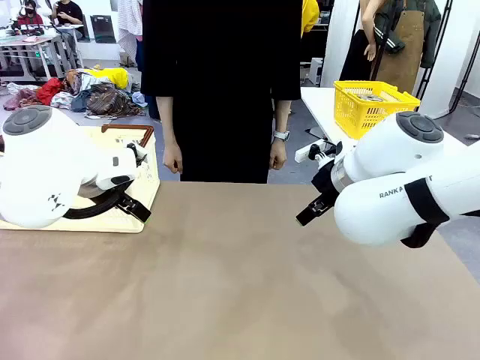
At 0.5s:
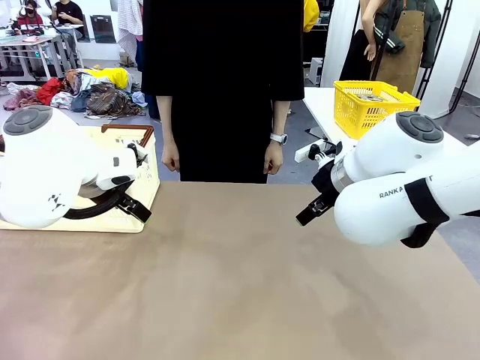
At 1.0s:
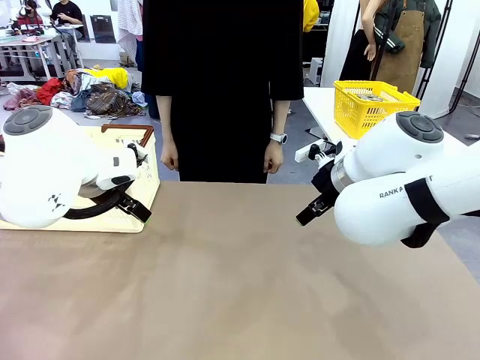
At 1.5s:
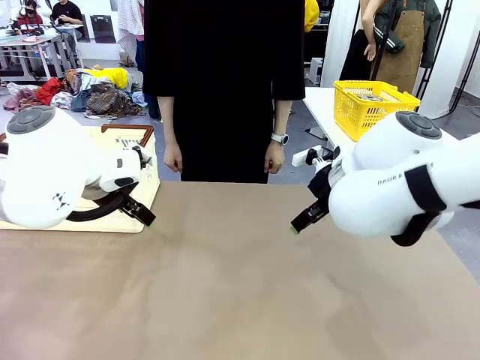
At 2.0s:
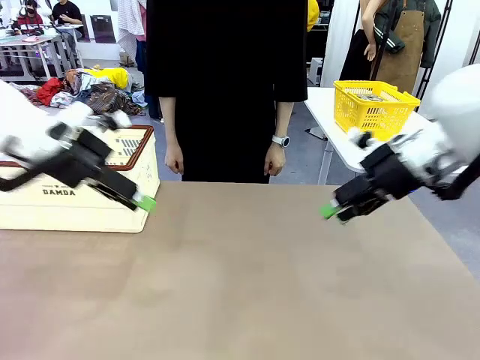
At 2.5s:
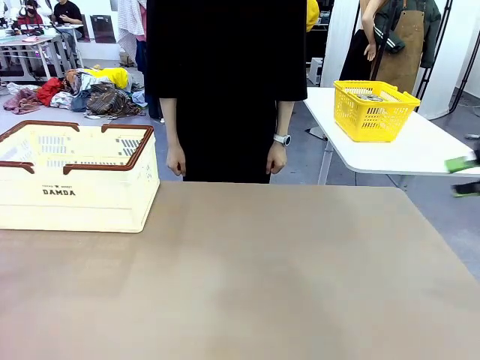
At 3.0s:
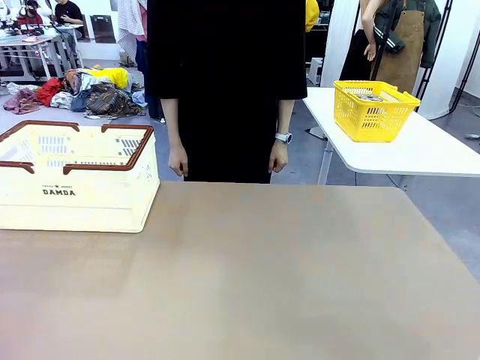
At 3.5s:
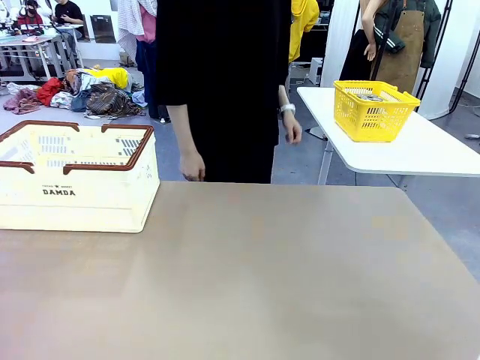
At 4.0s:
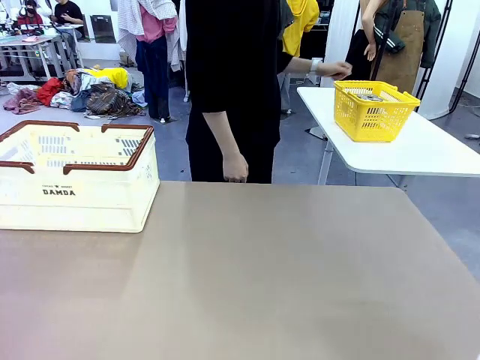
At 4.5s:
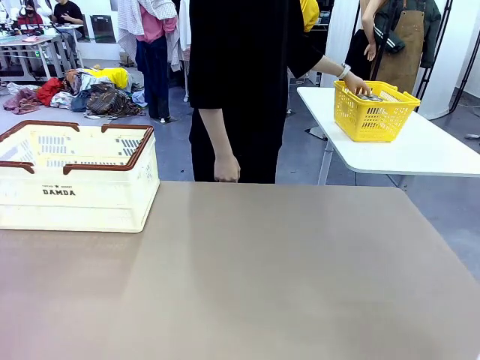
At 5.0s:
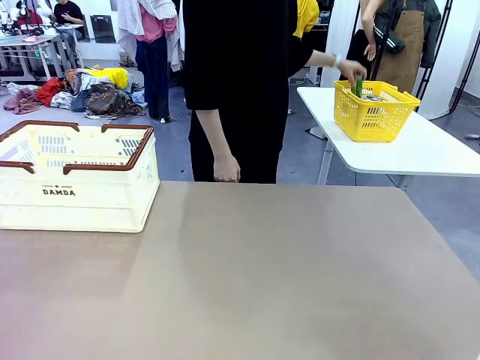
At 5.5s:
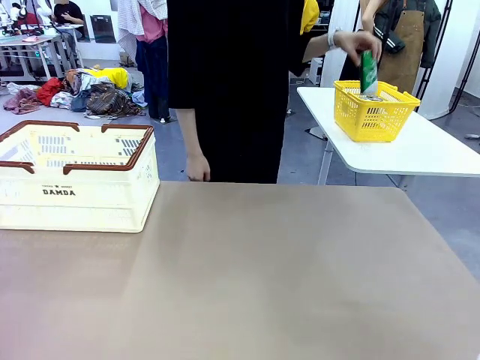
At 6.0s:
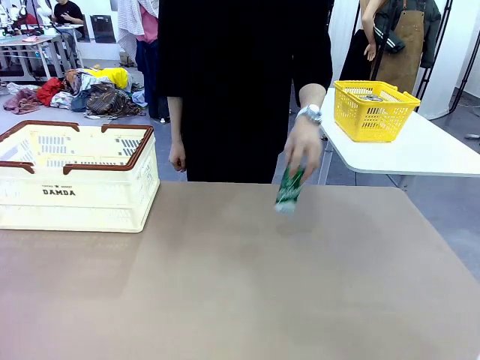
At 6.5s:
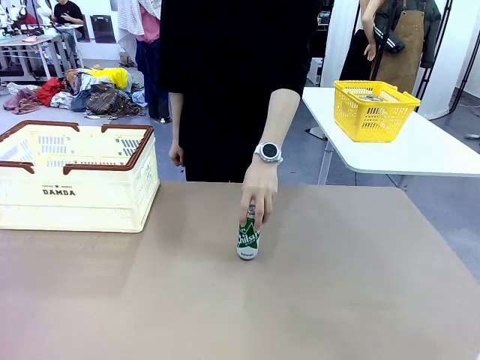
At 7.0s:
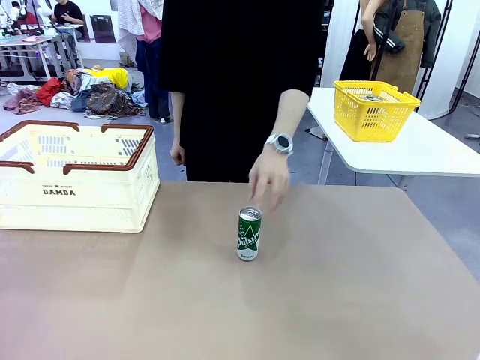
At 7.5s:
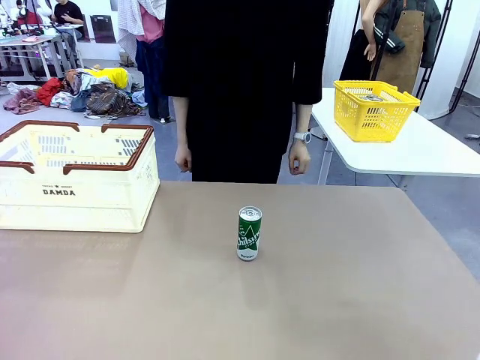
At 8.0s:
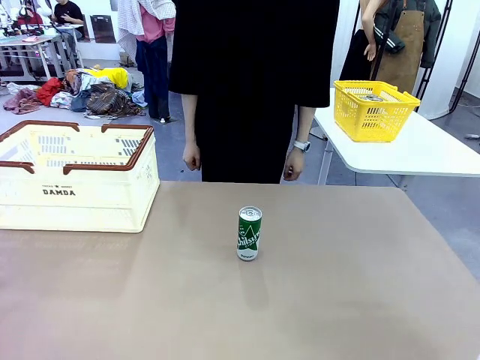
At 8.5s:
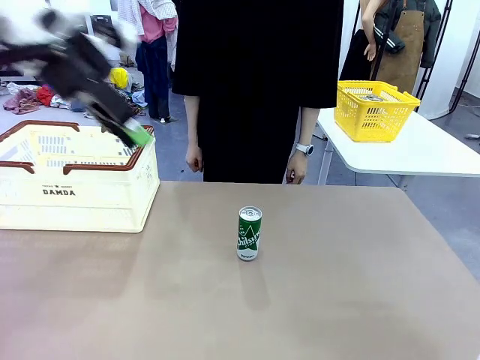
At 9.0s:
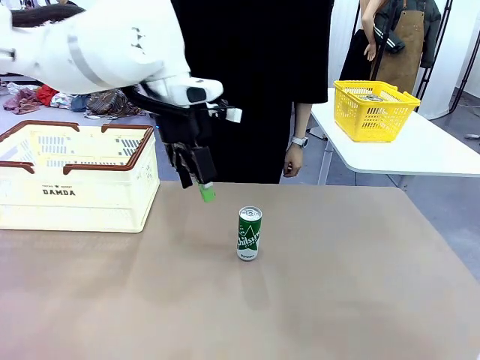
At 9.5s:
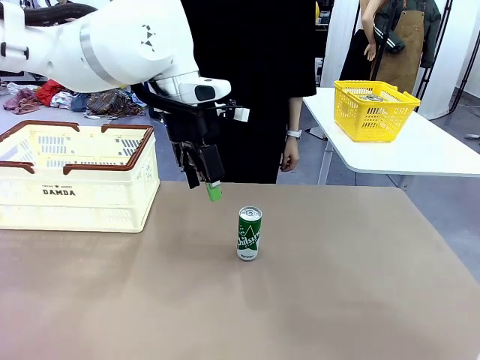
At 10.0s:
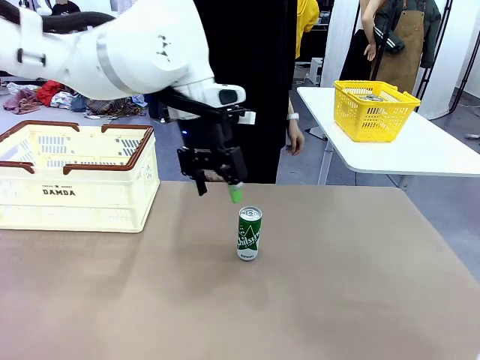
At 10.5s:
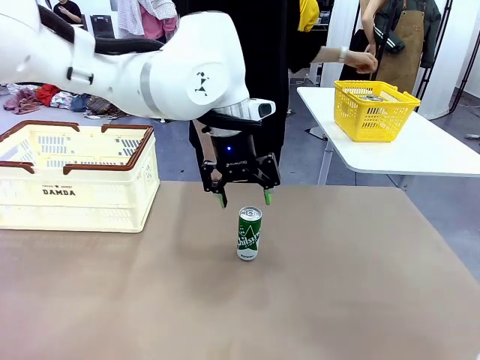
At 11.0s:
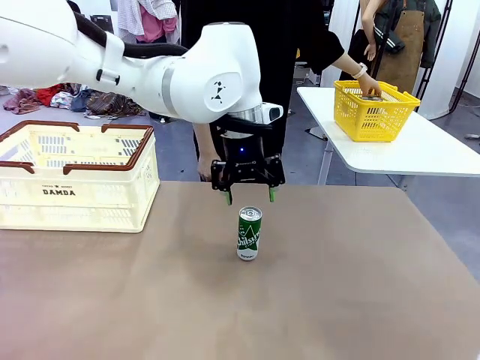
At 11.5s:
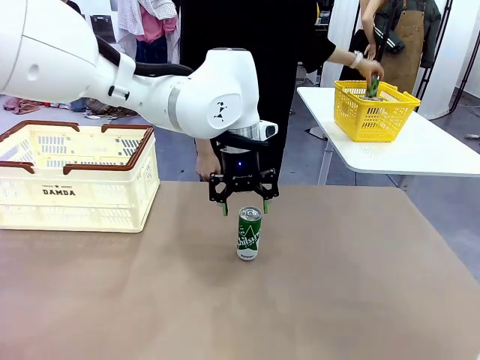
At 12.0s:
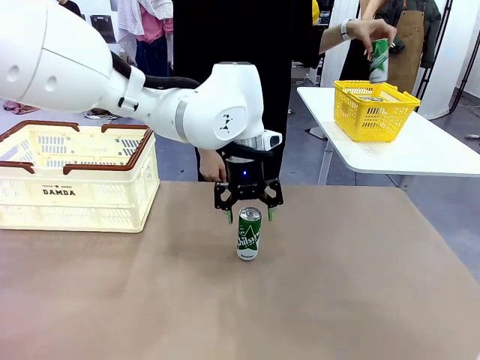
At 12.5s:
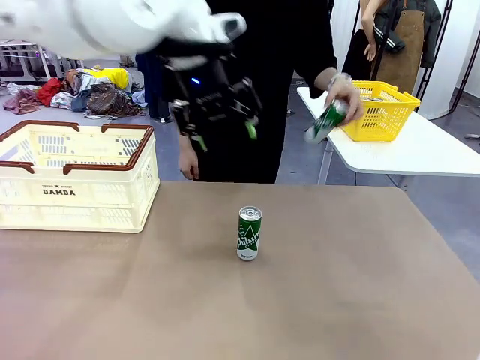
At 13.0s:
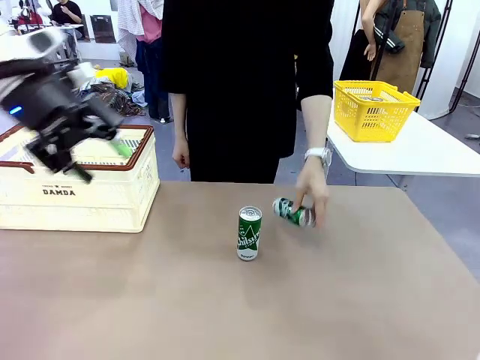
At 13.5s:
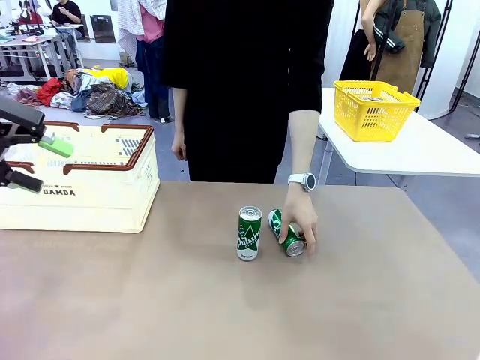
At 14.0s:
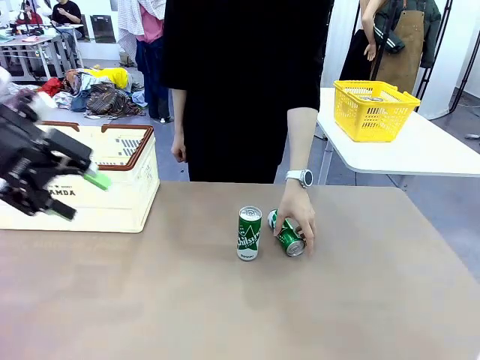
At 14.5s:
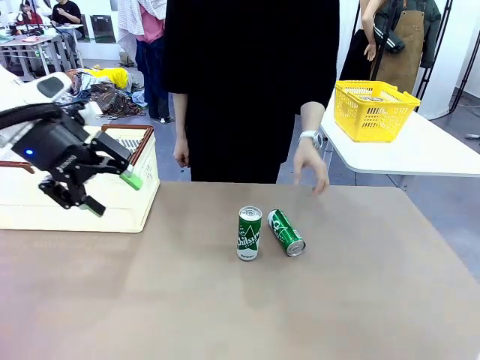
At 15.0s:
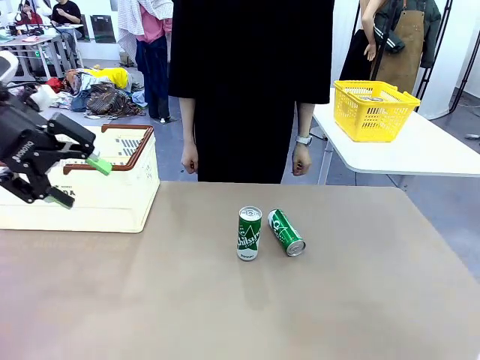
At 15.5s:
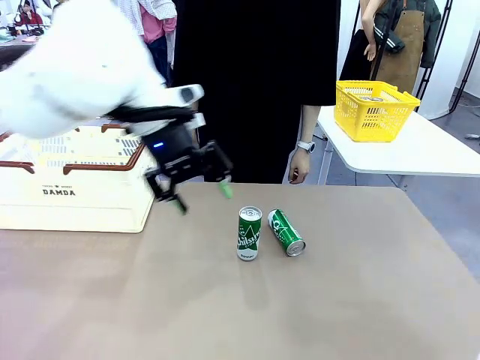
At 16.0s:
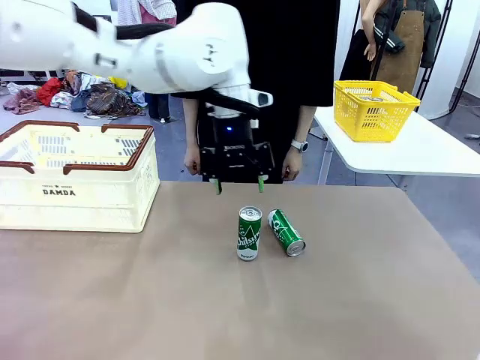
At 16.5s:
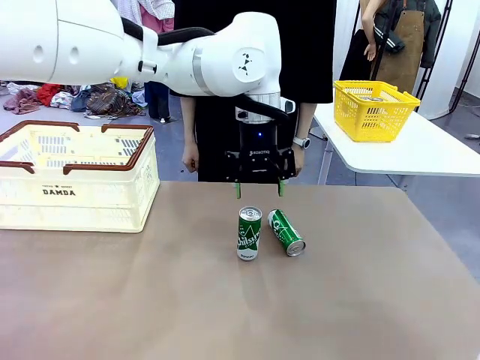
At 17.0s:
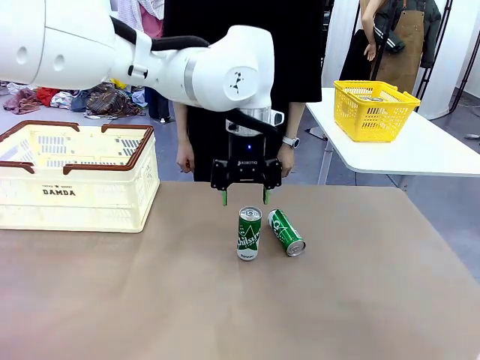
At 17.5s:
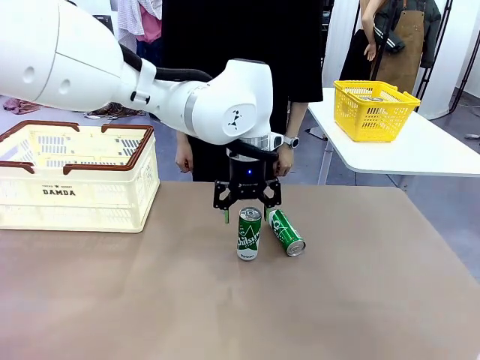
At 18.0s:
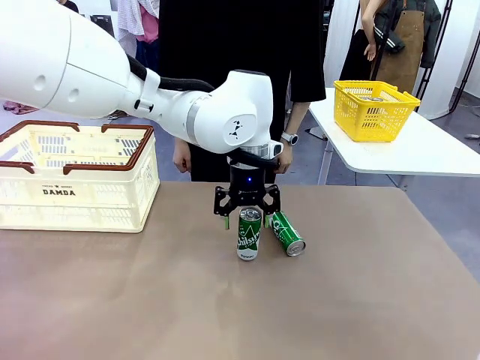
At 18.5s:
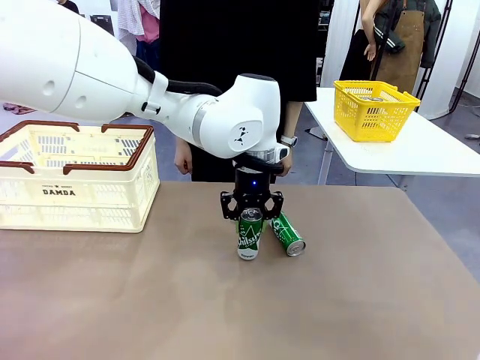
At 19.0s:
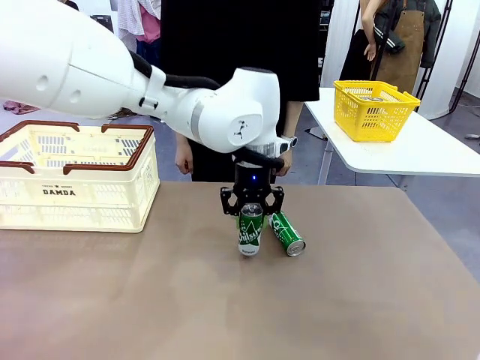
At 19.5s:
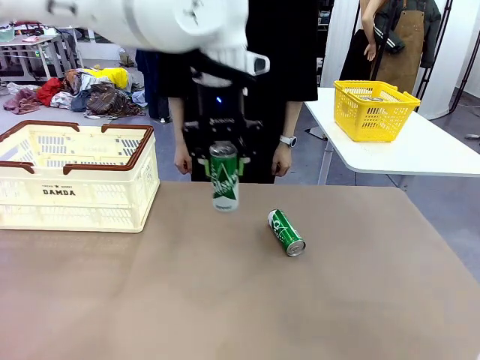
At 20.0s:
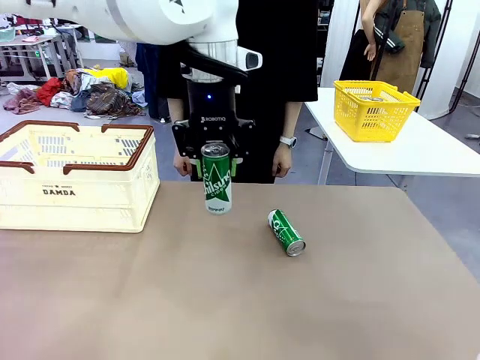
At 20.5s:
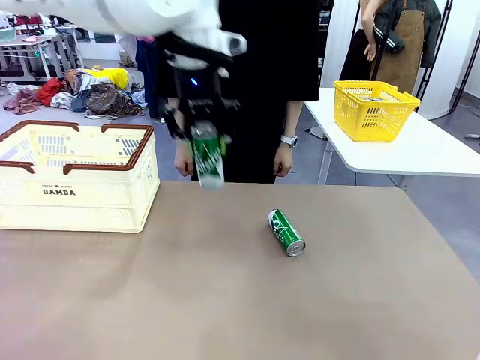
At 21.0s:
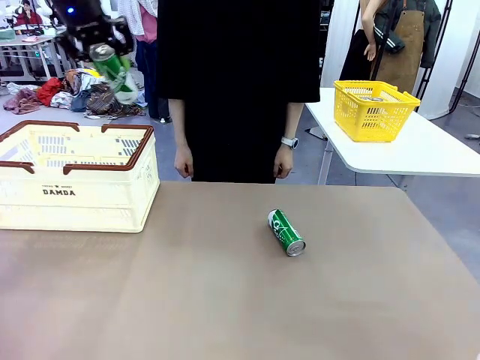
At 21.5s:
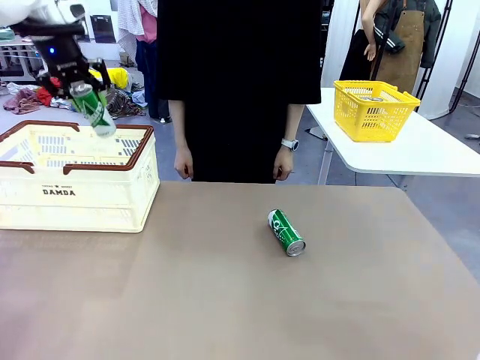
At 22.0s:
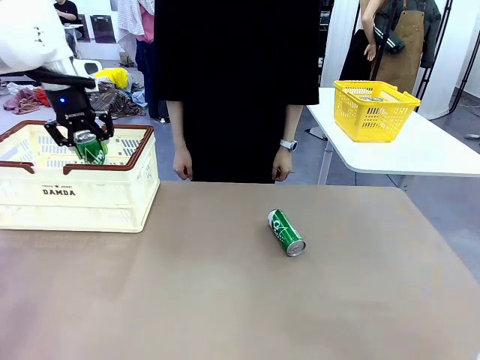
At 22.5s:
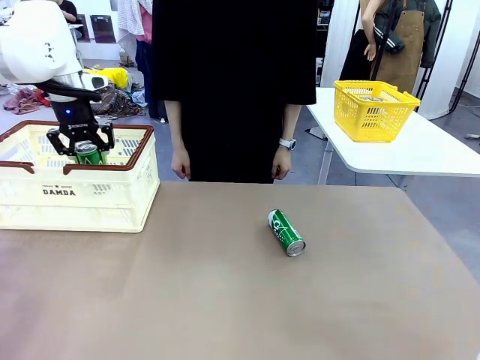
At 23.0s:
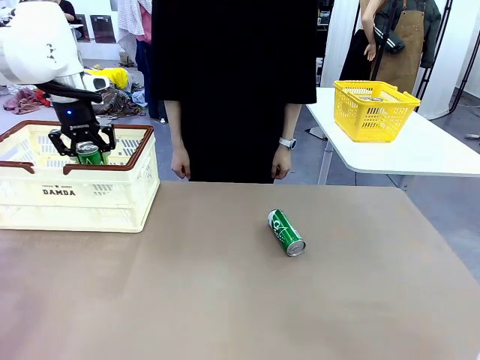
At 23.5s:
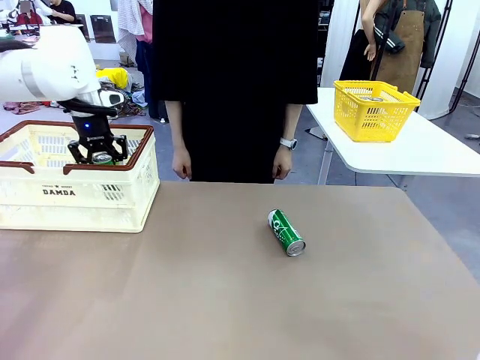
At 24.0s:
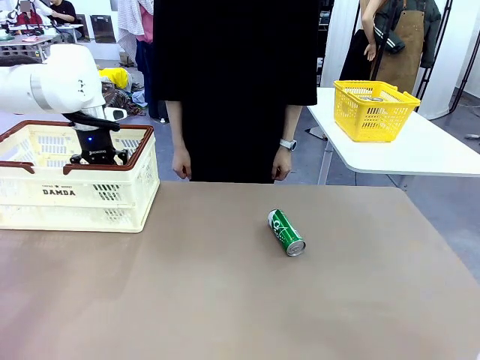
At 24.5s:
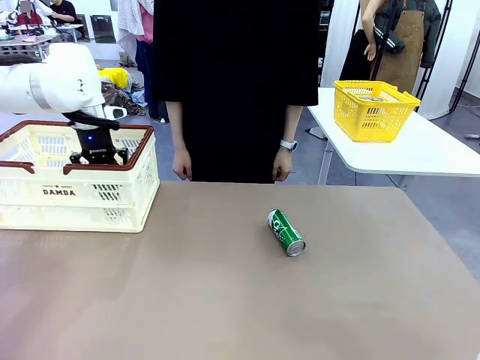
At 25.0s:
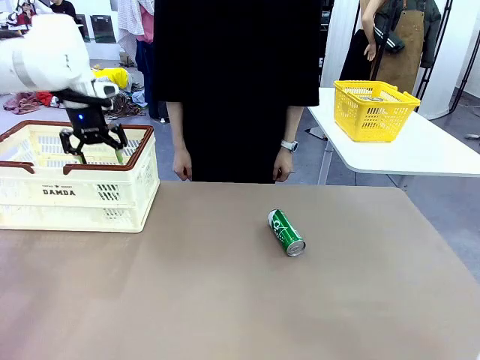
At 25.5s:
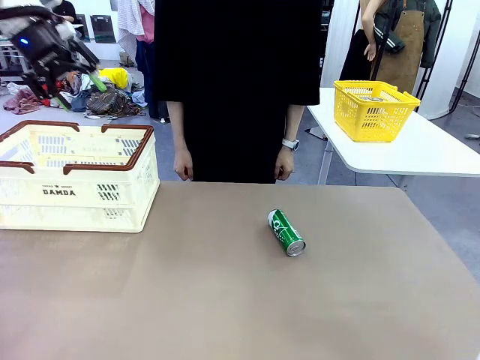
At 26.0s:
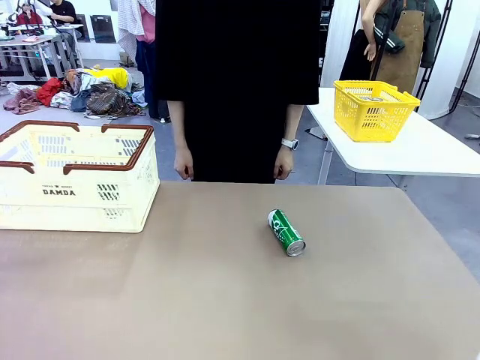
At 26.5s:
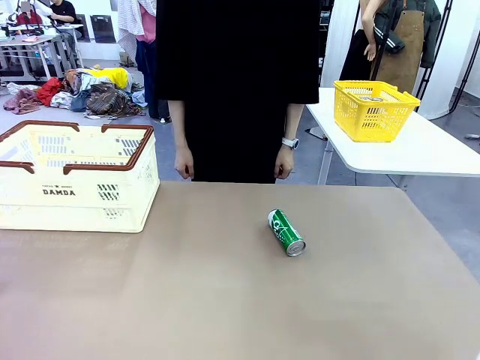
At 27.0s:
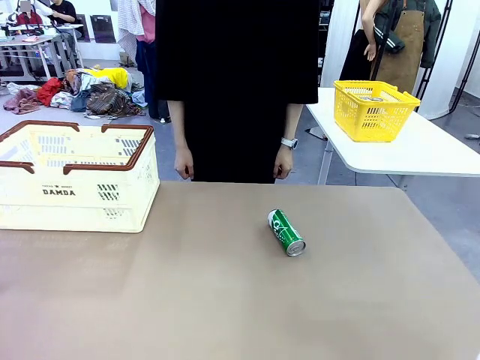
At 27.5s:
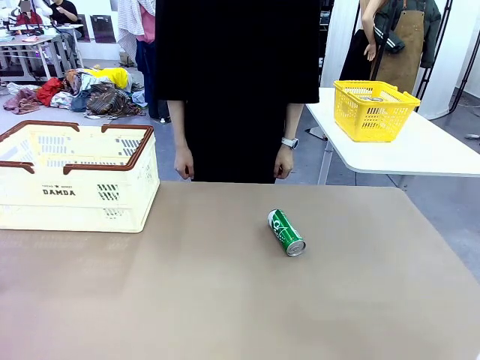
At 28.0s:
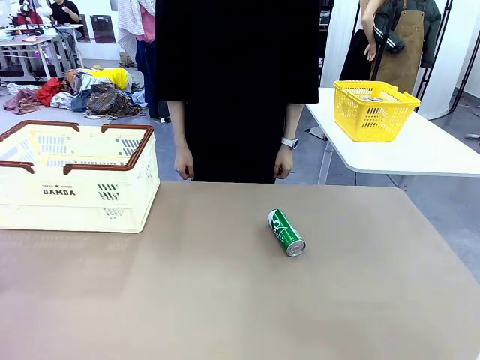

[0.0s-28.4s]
Task: Place the drinks into the Shopping basket.
Robot: Pick up one drink and place it into the Shopping basket.
